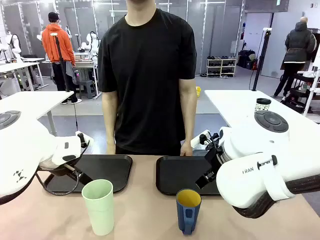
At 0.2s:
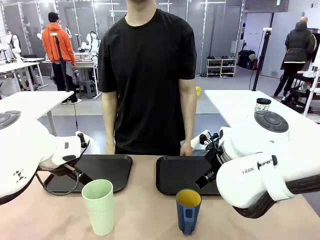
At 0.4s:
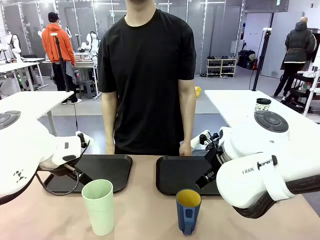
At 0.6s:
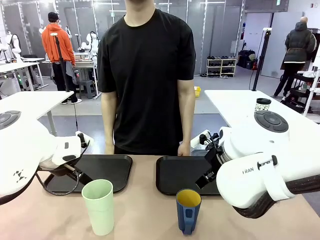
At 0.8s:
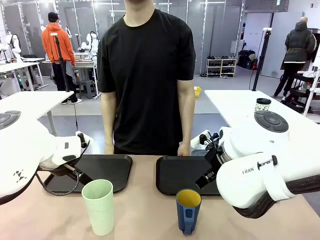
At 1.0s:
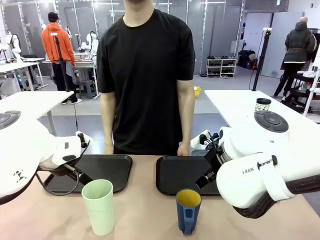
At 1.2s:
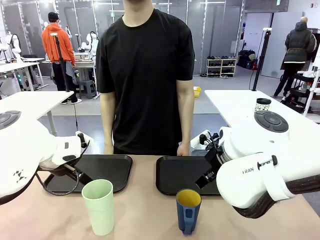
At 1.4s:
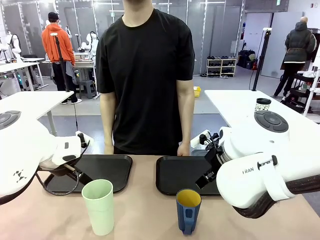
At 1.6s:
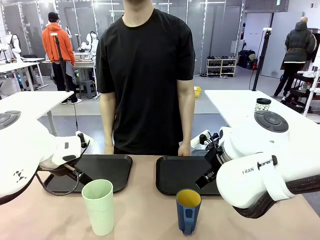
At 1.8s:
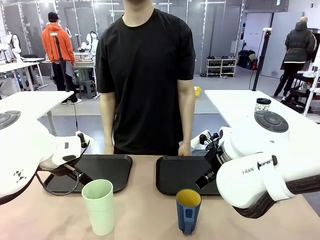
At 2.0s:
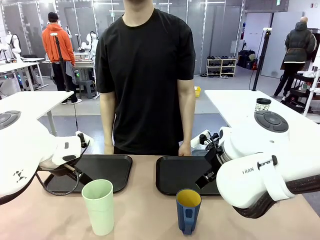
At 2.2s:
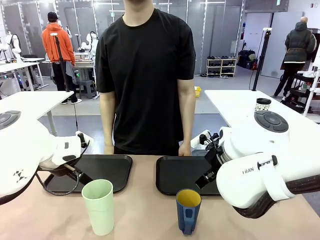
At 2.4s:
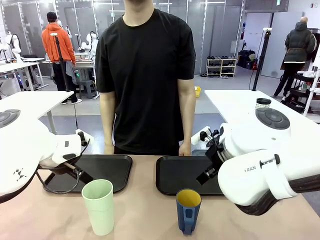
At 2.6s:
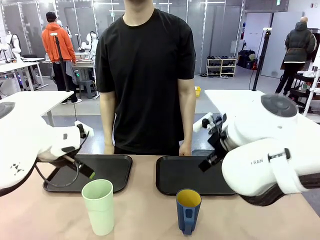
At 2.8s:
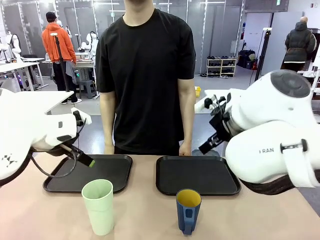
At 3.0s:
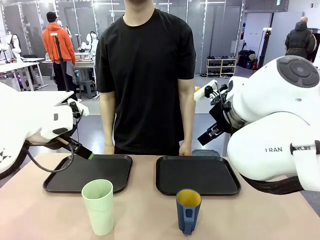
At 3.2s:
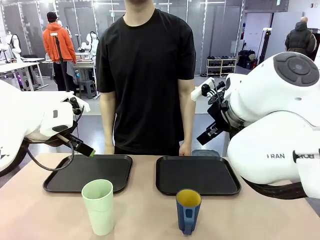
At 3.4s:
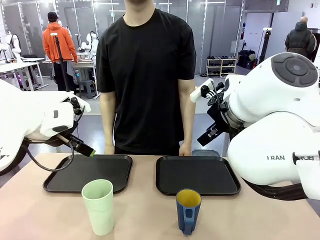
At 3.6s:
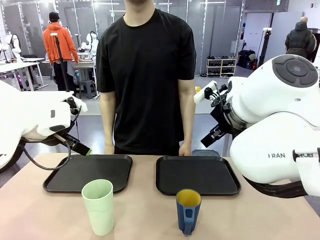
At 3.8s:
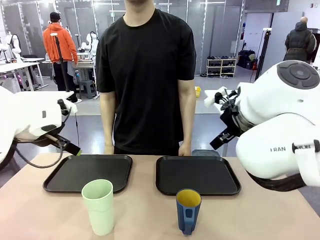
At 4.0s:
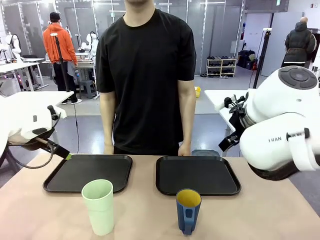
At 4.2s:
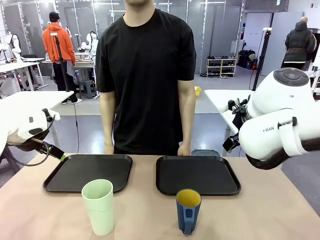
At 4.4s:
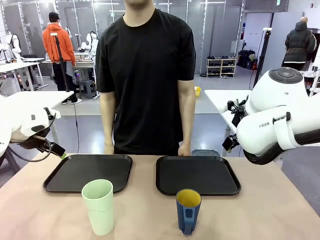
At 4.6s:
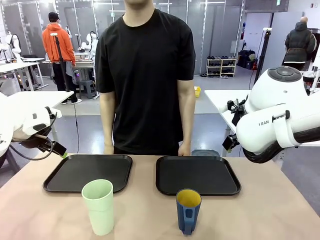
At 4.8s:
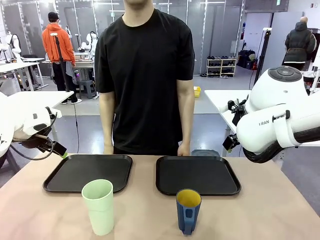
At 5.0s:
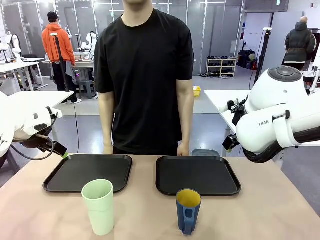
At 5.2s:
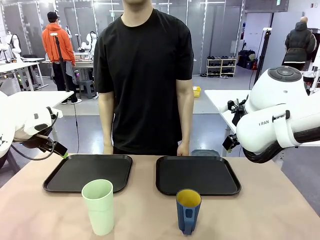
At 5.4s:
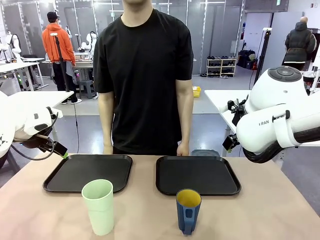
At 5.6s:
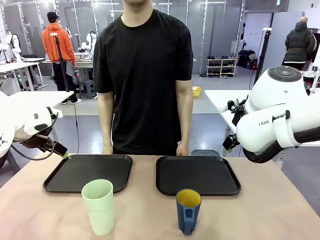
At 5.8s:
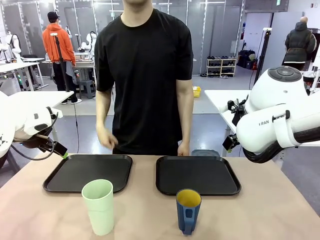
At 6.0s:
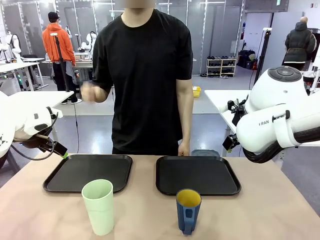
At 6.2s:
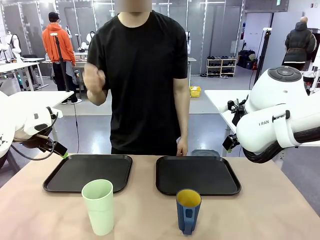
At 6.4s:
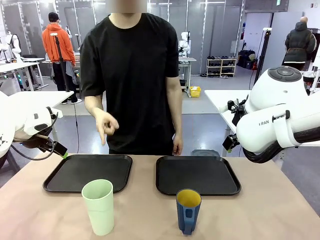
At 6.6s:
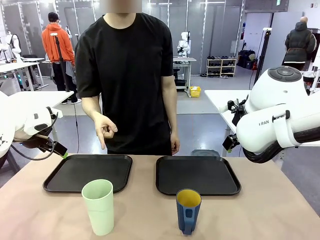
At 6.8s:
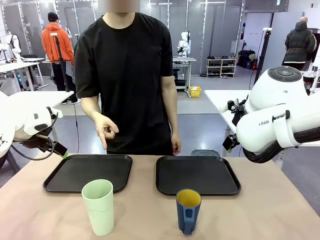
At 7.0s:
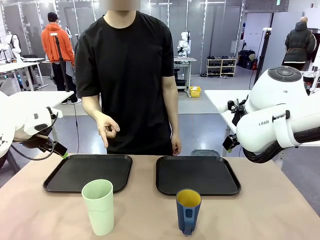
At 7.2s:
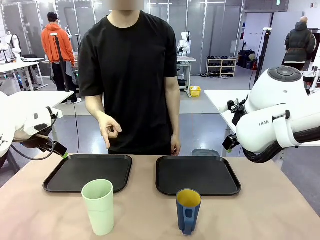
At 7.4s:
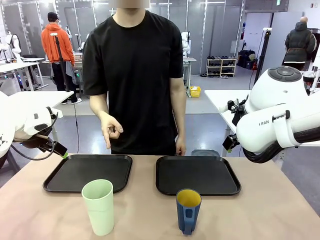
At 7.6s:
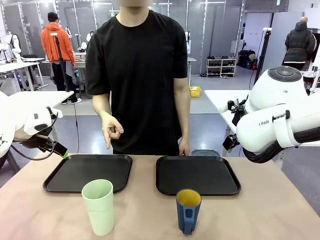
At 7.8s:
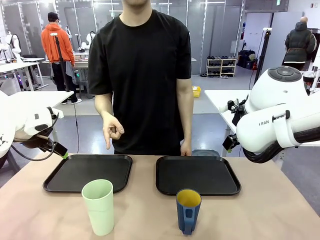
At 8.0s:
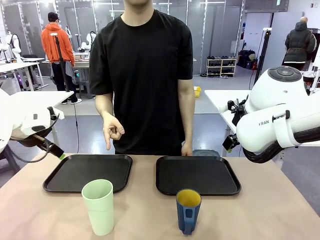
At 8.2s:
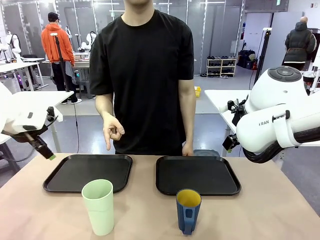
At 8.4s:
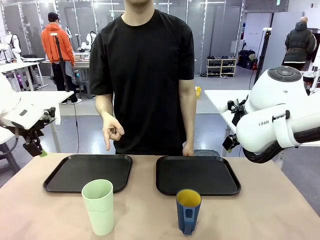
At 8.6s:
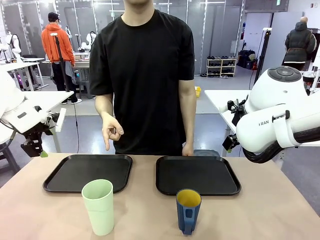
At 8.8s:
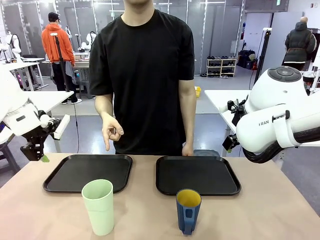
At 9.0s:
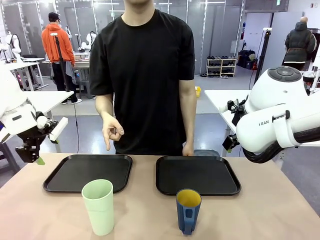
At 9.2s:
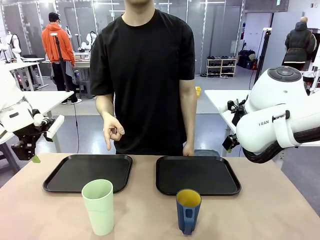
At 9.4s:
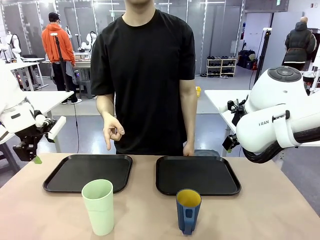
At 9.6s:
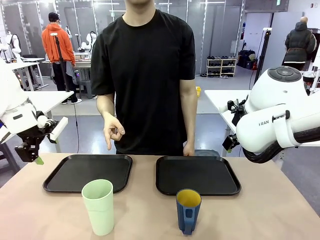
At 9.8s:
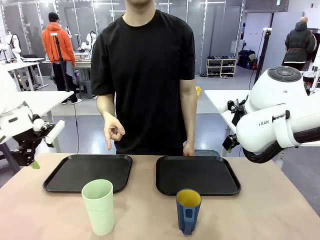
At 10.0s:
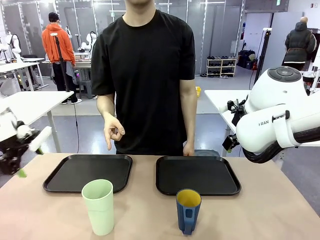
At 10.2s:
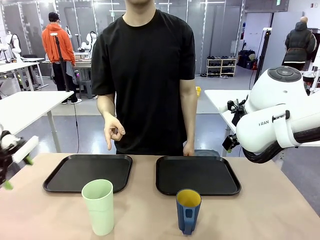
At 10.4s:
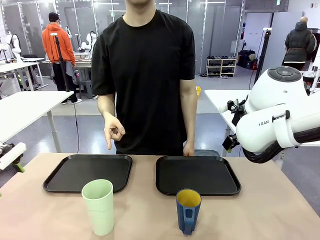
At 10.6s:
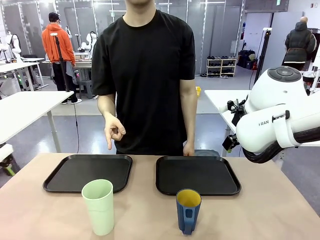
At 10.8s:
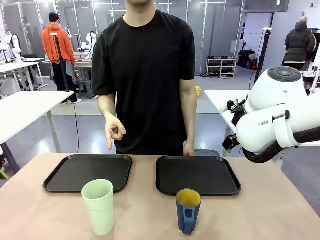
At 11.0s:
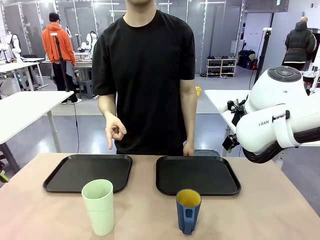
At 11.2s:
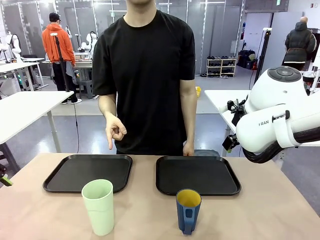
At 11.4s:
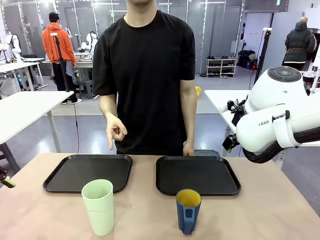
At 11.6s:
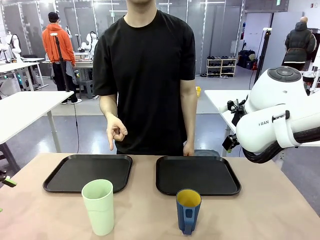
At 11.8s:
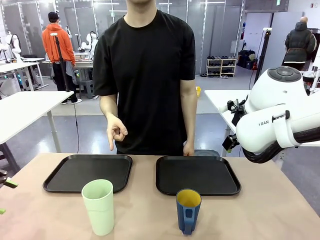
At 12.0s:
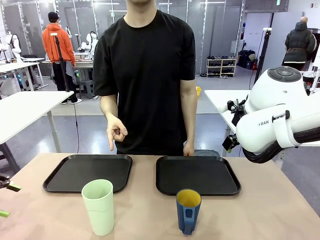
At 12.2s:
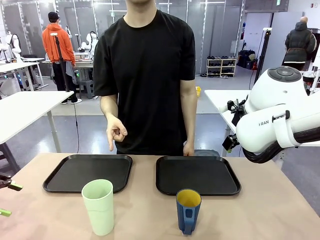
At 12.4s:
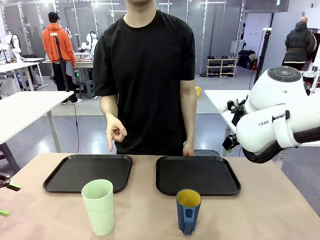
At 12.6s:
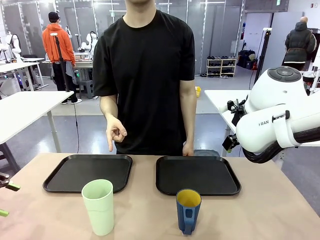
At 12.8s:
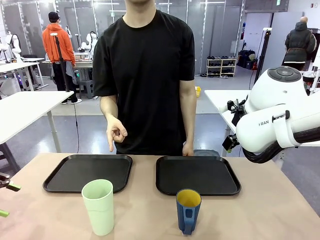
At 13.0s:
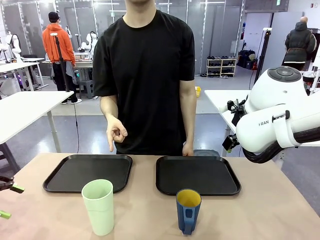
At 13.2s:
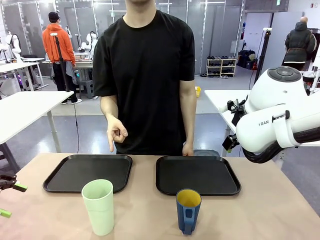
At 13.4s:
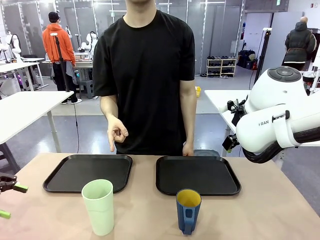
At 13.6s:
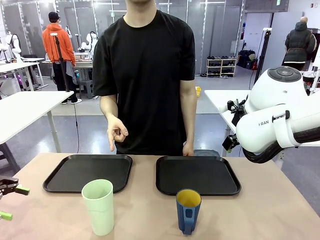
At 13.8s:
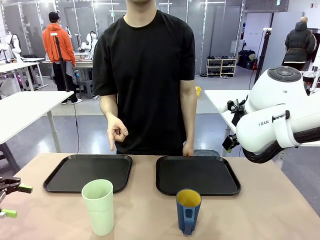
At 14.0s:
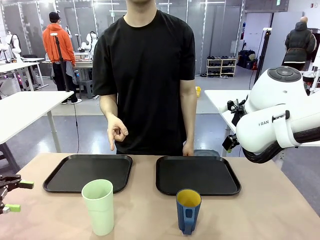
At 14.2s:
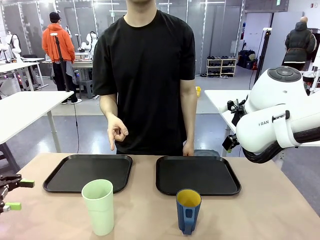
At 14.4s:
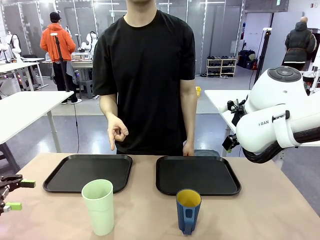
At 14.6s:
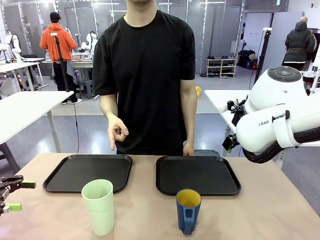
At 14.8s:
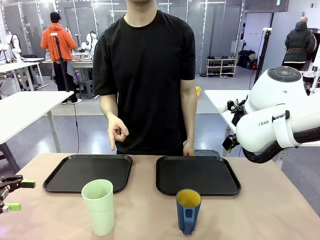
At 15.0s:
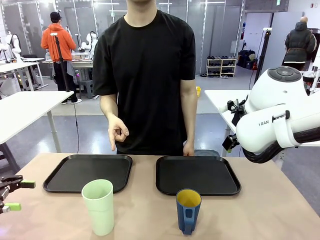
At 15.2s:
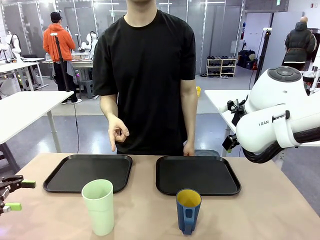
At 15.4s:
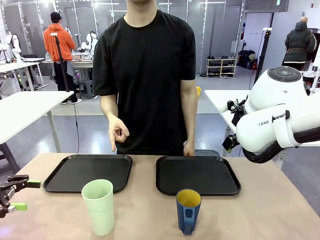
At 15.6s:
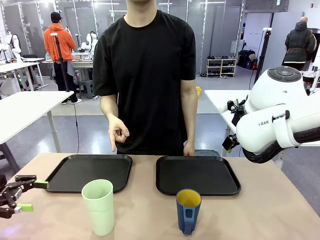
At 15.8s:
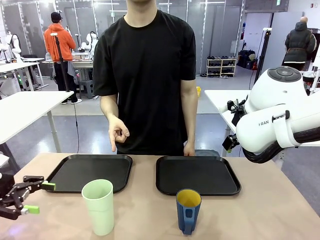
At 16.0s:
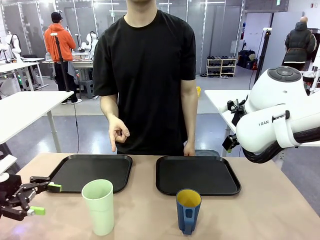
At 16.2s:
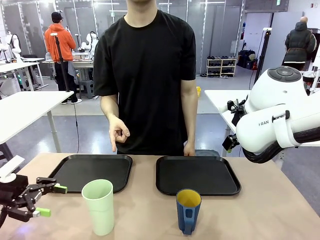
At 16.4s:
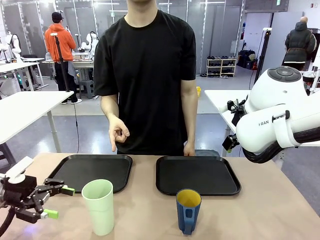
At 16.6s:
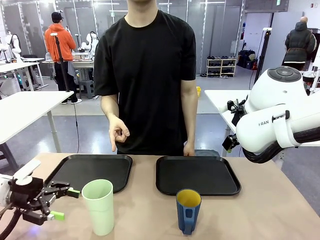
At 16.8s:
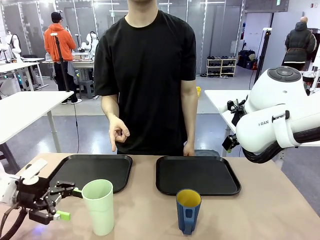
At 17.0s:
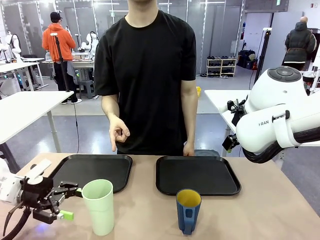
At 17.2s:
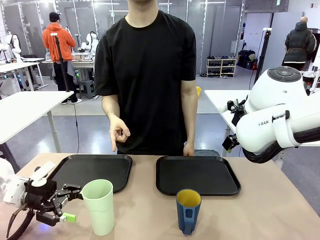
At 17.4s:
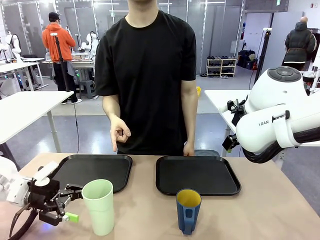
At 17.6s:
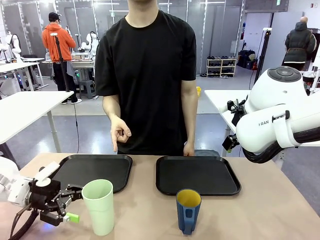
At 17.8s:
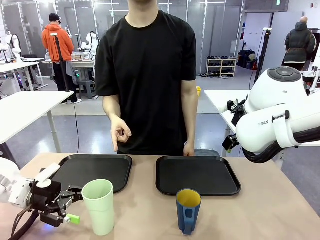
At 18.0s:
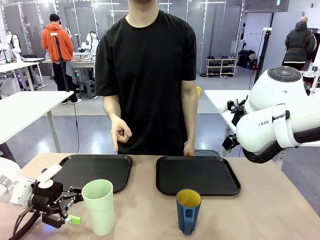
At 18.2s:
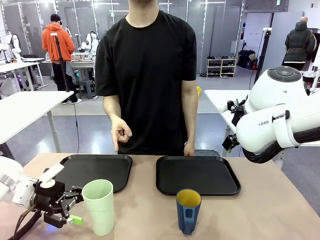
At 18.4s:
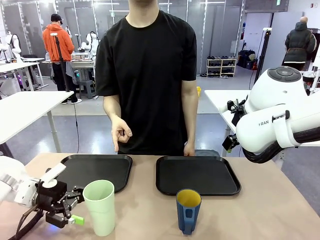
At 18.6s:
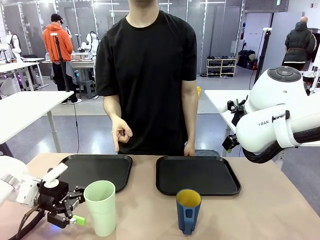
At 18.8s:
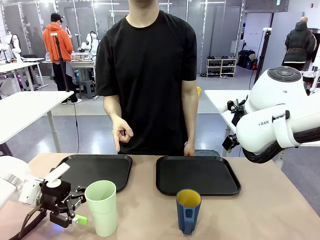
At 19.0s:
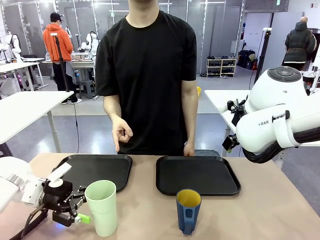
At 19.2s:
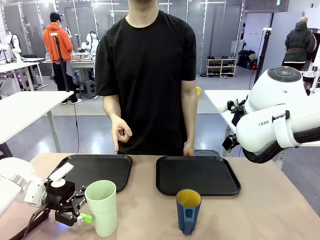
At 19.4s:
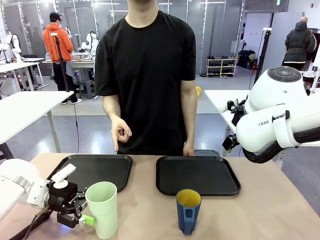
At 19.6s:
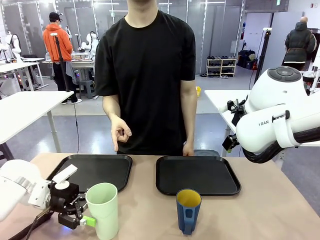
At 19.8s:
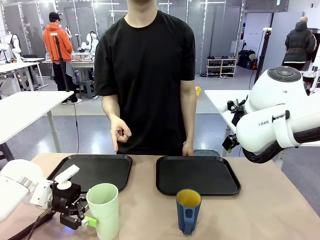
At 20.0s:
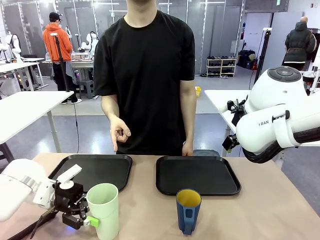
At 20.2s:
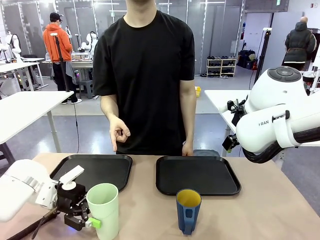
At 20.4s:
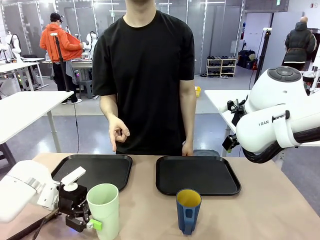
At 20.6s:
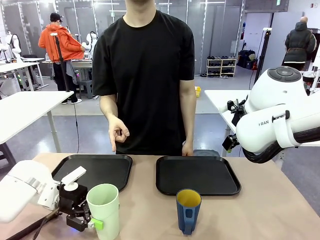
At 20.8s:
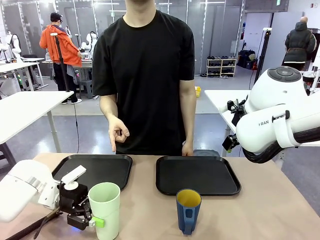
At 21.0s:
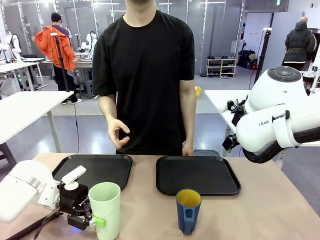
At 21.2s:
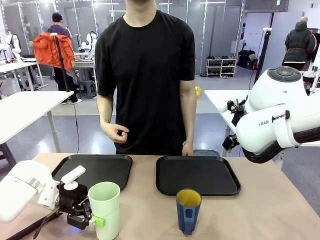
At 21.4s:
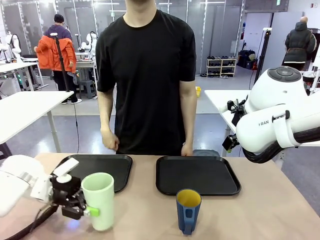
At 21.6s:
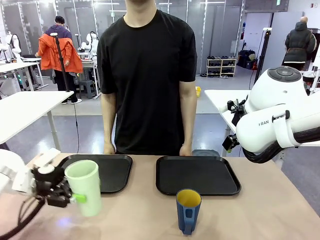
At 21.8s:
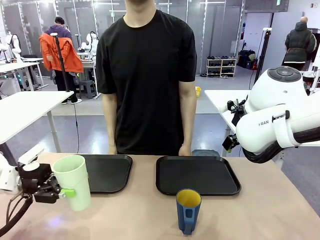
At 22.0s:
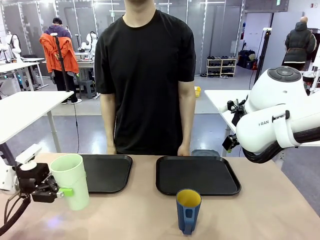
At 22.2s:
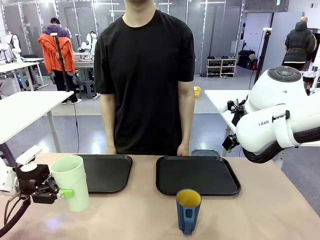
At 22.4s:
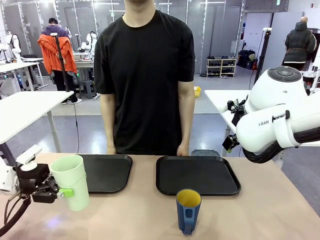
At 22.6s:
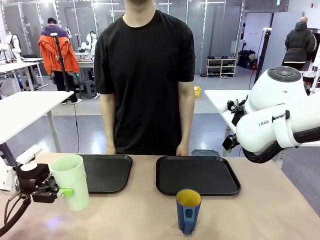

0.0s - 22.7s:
Task: Sort and store the cups by type.
Robot: Pick up the Reusable plastic cup.
Person: Points to the reusable cup. Point to one of the two trays.
